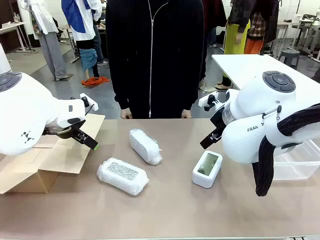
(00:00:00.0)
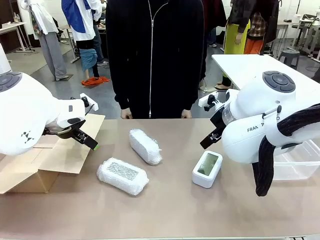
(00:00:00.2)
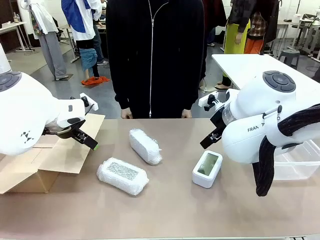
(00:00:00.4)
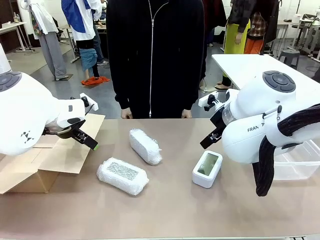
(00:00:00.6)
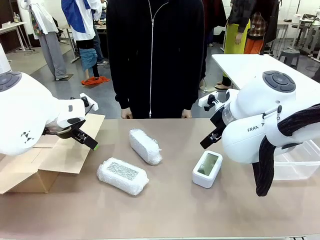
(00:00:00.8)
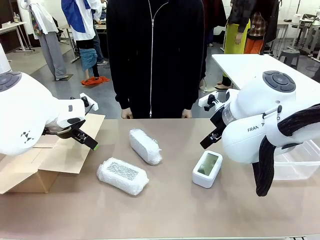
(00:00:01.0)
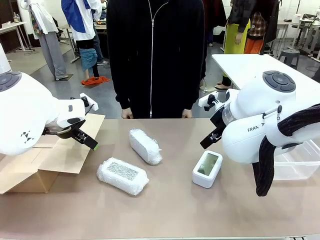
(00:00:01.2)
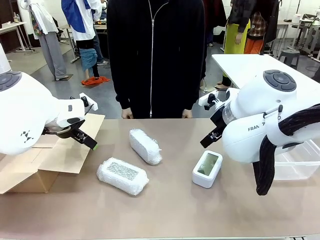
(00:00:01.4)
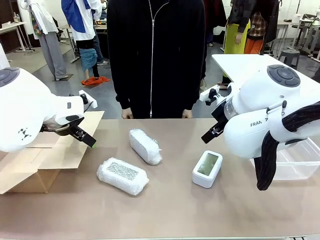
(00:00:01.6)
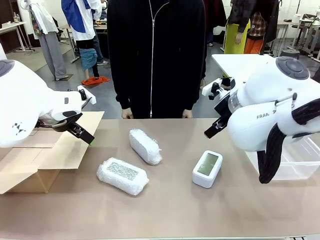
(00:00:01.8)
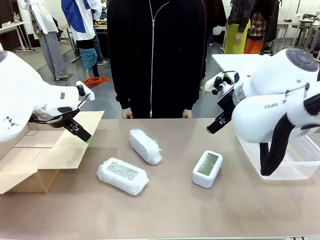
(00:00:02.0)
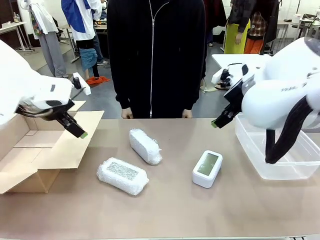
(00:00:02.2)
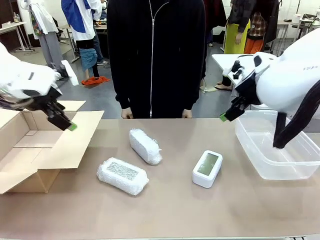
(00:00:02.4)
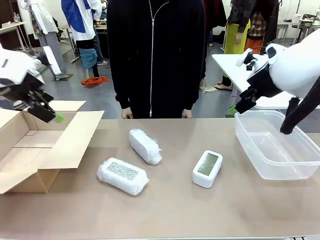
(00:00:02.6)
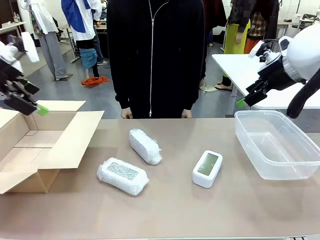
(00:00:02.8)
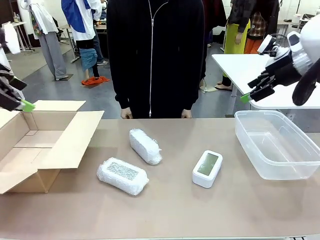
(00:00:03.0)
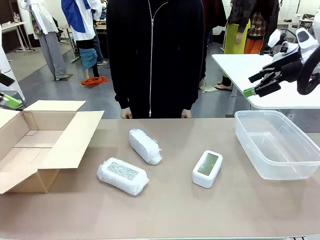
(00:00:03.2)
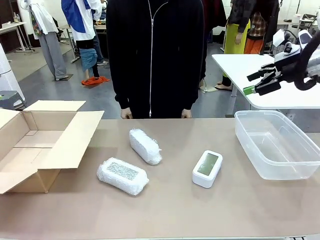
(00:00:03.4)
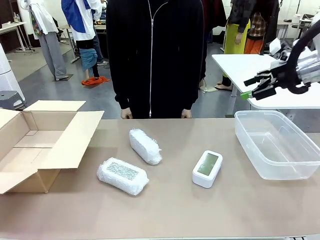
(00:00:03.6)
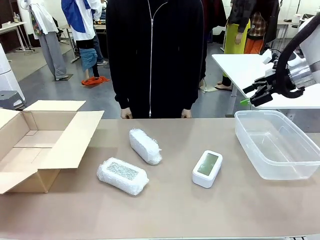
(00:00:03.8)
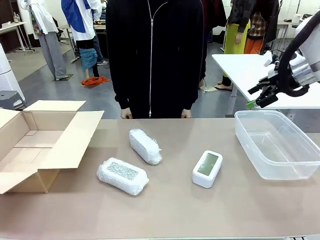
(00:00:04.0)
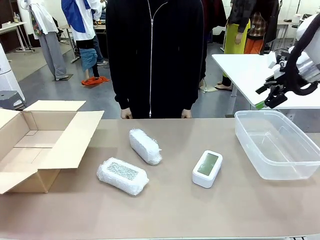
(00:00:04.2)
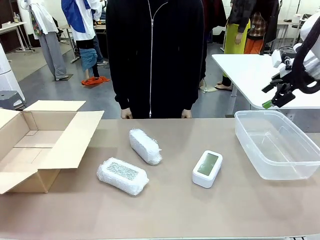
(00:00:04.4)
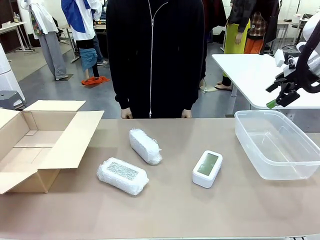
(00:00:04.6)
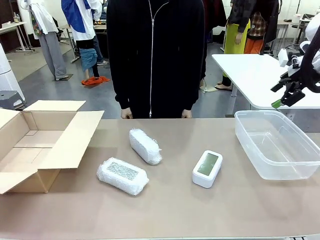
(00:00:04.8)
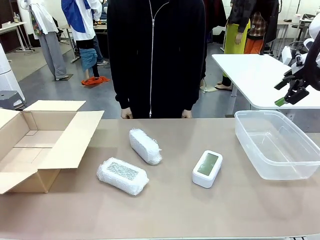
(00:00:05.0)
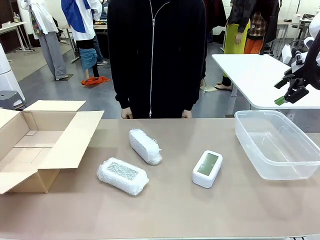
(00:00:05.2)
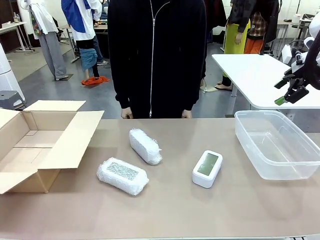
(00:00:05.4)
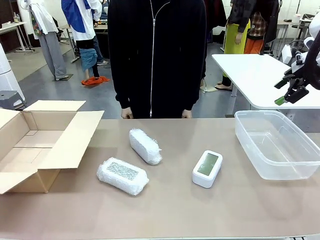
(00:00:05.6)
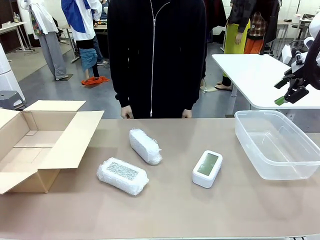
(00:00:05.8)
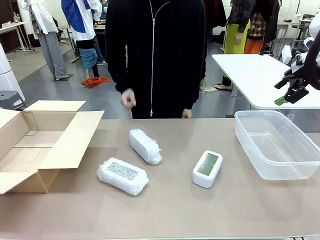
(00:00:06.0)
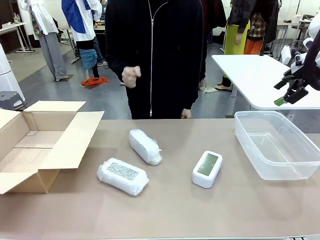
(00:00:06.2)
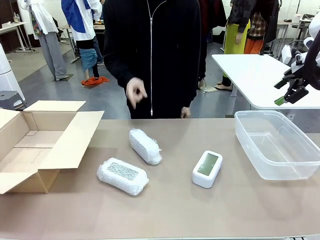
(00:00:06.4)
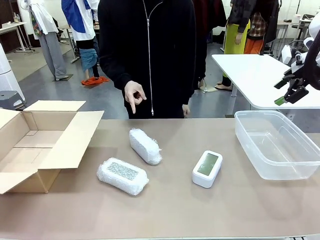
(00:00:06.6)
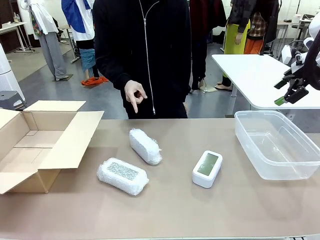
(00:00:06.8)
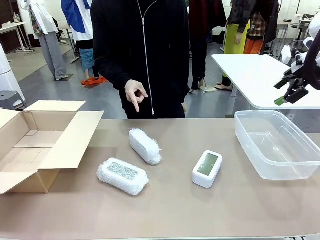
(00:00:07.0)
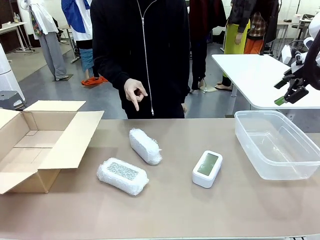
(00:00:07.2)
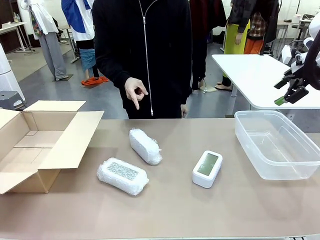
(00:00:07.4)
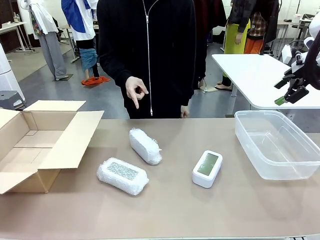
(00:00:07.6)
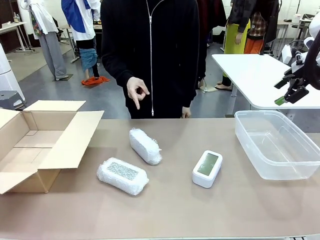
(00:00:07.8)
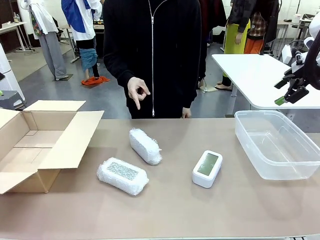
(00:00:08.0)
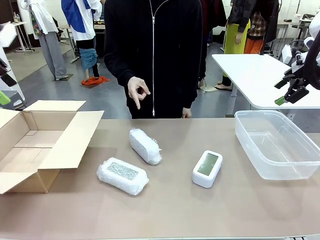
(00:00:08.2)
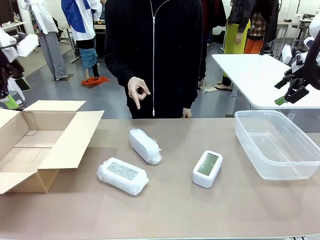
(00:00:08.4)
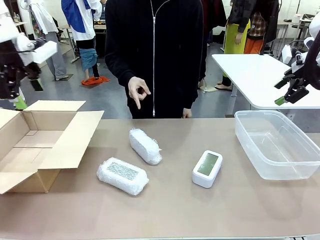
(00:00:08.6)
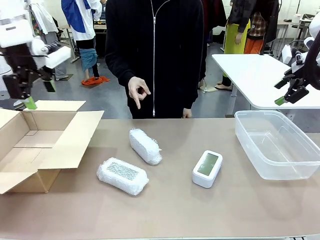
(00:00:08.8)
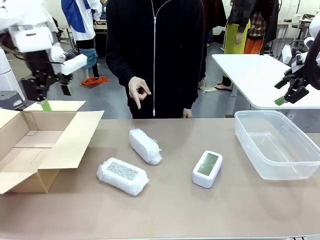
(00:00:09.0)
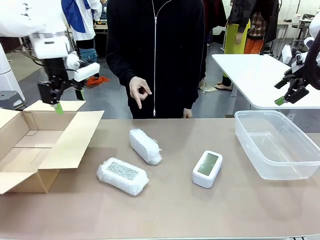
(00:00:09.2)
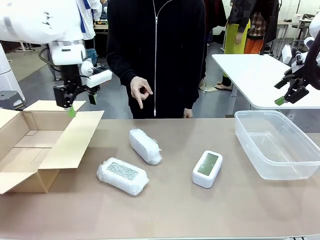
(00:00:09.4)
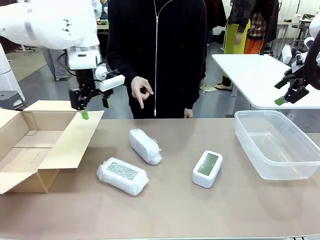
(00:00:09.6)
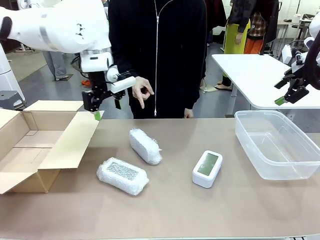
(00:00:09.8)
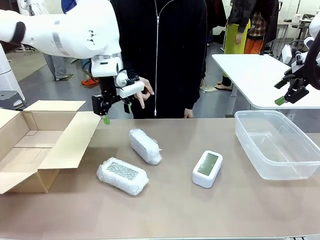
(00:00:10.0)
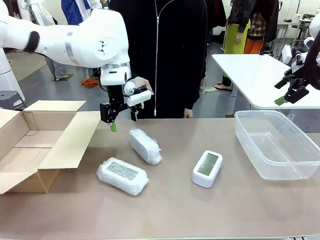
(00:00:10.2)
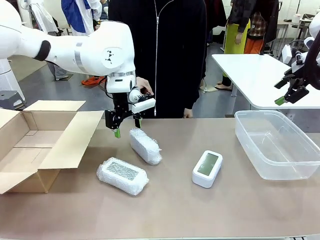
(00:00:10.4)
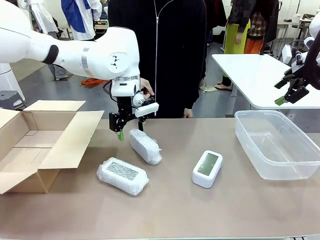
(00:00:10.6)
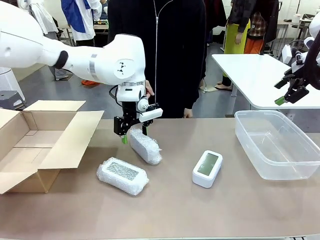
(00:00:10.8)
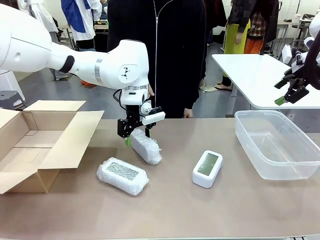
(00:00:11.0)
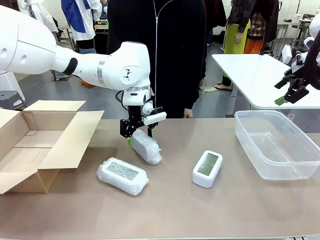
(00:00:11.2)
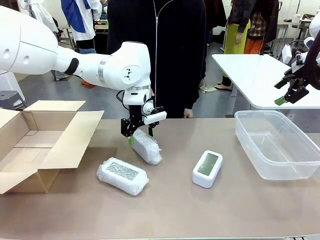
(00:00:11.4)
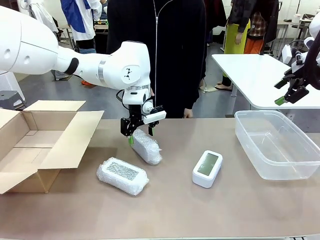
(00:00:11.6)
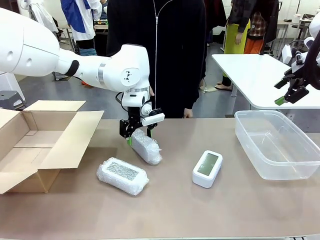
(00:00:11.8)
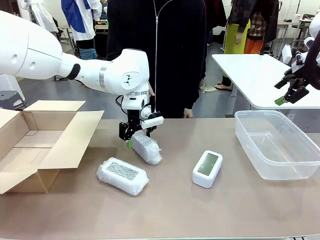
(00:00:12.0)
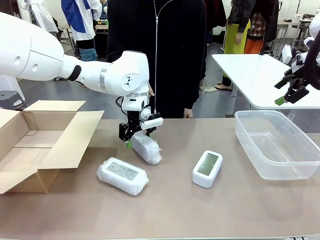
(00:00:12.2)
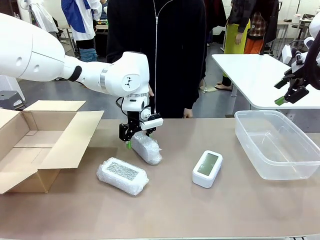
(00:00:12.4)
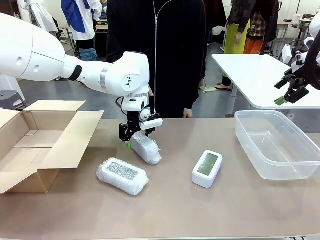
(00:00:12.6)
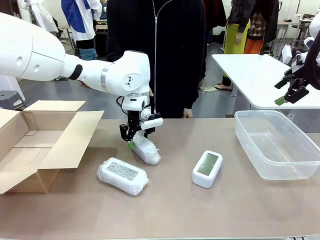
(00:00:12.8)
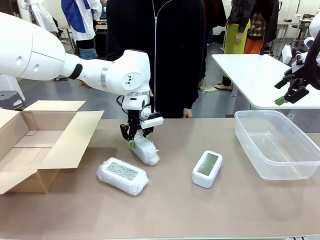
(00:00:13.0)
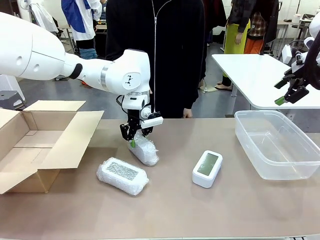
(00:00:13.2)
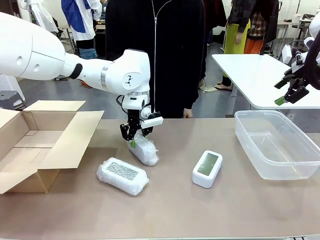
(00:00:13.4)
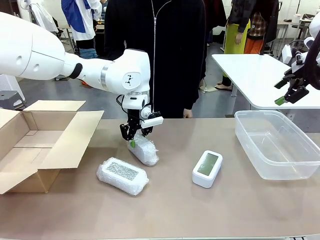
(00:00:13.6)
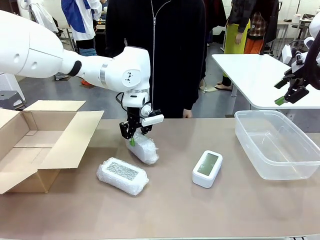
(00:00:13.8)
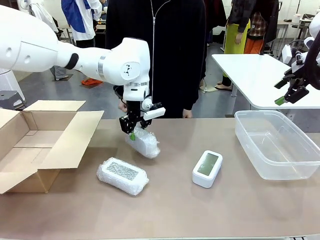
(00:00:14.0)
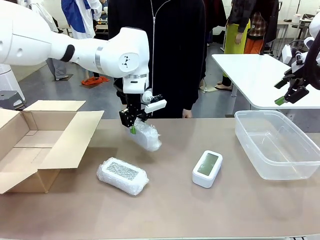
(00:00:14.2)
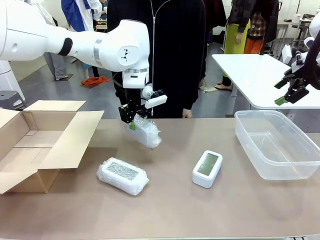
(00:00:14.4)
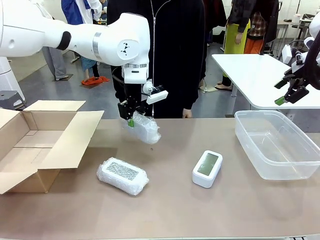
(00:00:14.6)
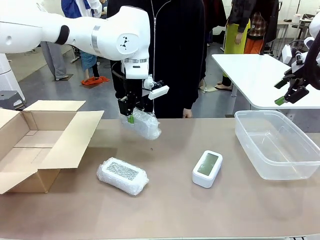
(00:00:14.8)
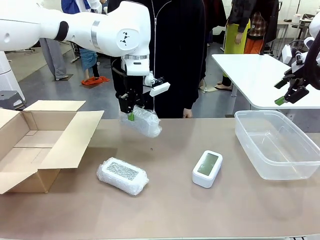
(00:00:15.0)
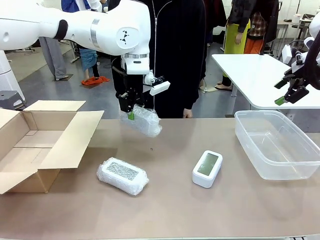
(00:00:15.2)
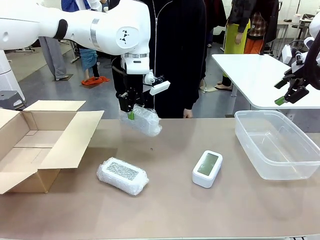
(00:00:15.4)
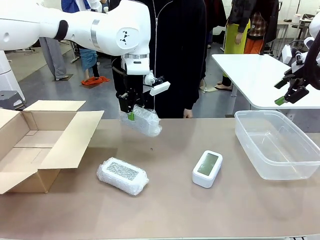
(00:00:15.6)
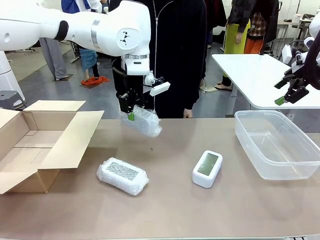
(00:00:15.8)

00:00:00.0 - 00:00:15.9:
Task: Separate and place wrapped and unwrapped clocks.
Robot: Pick up the Digital clock indicated by the person.

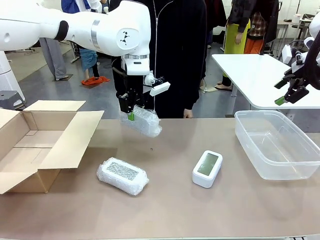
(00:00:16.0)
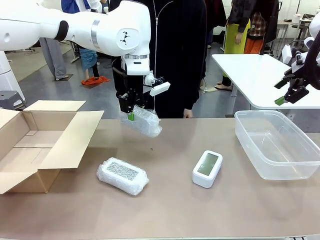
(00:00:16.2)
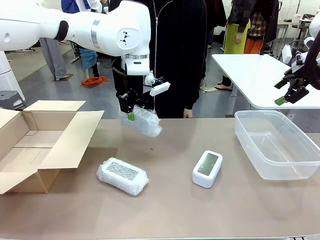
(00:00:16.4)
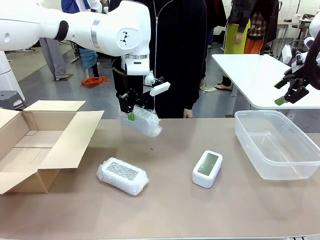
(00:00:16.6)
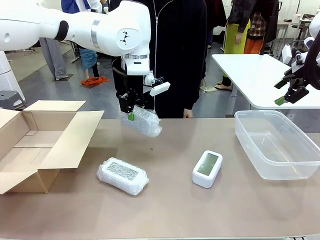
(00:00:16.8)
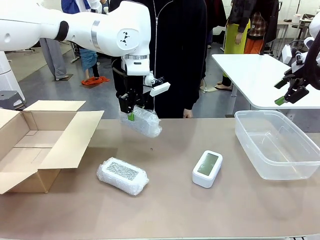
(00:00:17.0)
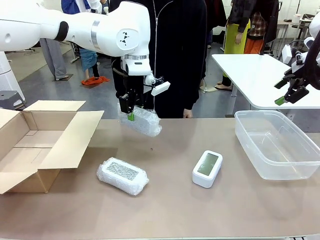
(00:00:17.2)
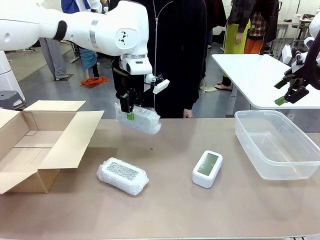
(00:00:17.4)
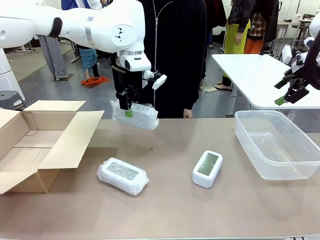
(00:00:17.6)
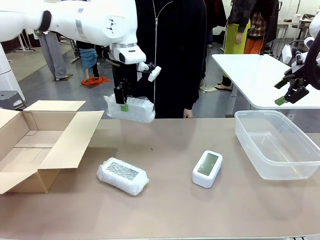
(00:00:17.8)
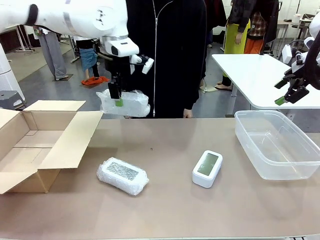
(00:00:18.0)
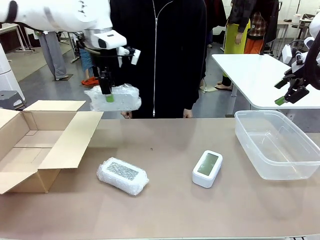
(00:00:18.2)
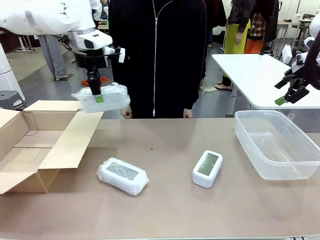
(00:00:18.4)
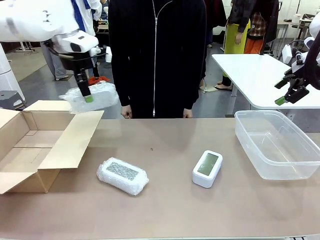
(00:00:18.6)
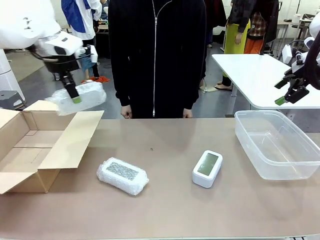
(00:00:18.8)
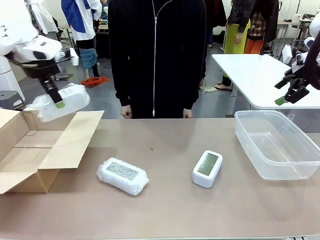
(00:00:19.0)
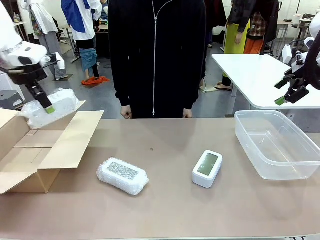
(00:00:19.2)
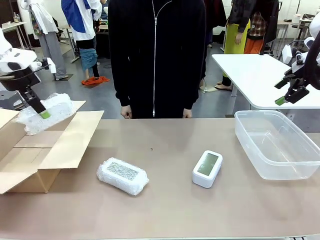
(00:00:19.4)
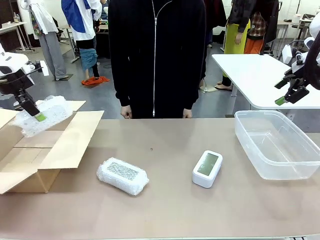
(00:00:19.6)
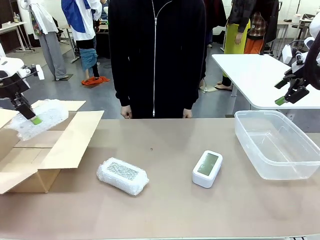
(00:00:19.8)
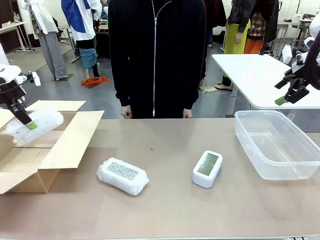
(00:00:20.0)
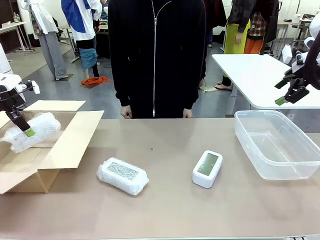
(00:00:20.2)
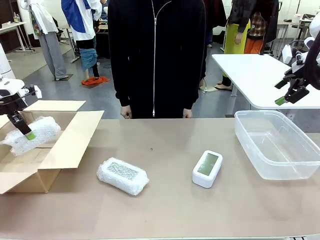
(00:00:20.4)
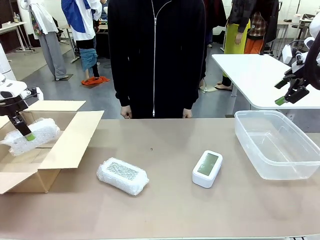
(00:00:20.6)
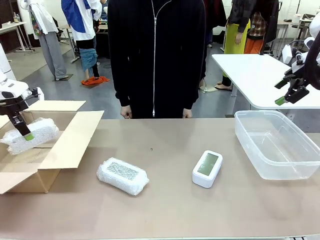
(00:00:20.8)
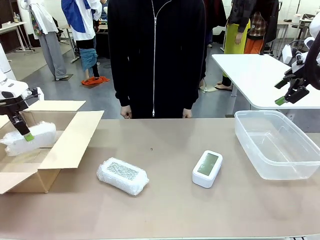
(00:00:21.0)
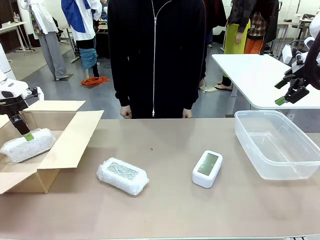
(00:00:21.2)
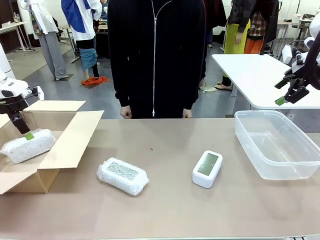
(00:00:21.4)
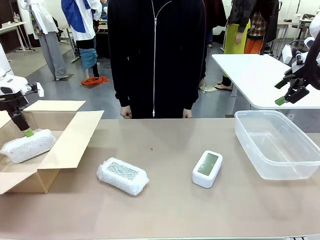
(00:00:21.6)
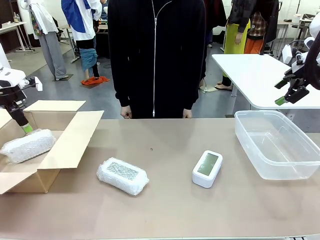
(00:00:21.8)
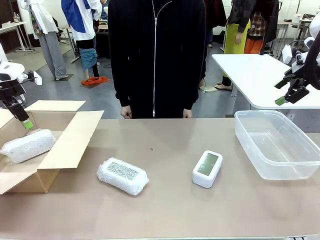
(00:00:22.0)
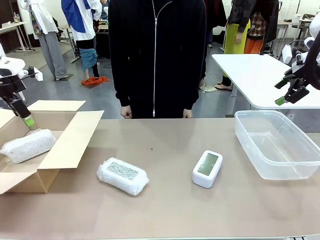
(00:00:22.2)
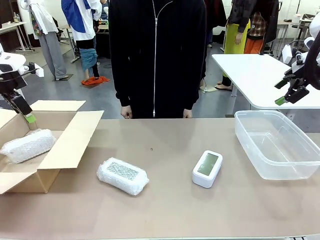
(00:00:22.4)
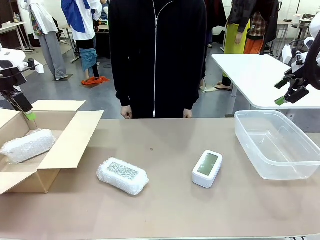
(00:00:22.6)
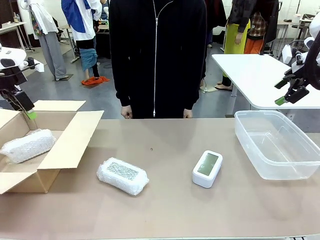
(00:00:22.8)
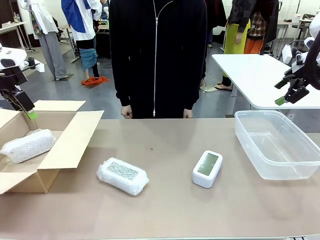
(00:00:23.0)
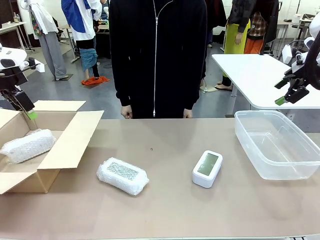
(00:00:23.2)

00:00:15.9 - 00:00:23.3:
Robot: If the picked Digital clock is wrapped, place it in the Package Box ; if not, place it in the Organizing box.
